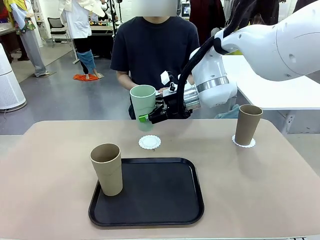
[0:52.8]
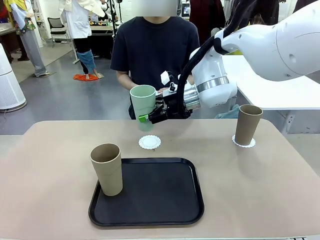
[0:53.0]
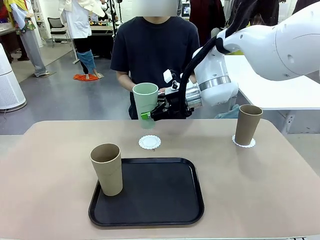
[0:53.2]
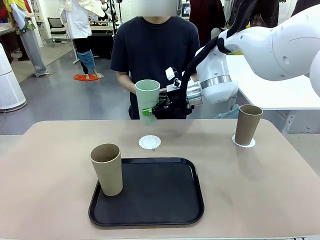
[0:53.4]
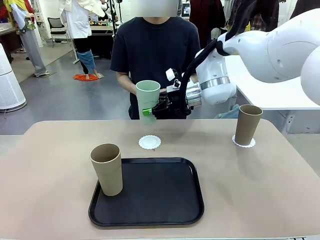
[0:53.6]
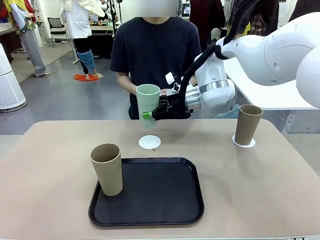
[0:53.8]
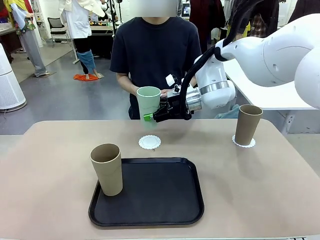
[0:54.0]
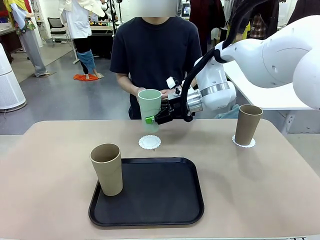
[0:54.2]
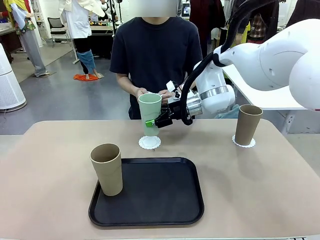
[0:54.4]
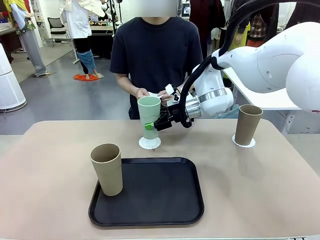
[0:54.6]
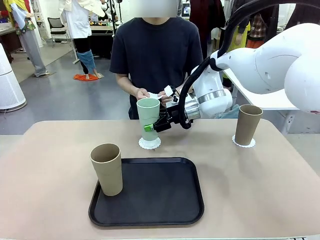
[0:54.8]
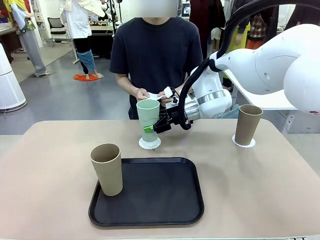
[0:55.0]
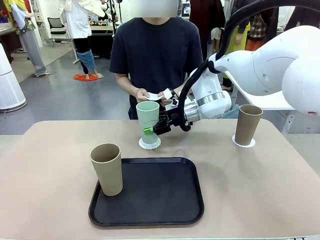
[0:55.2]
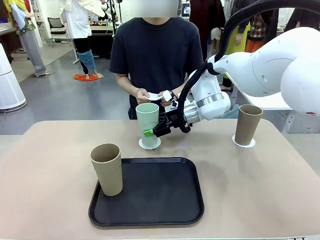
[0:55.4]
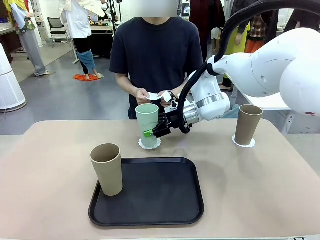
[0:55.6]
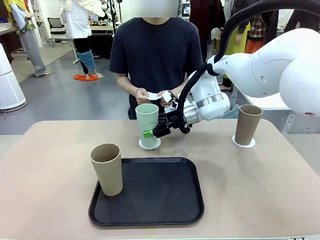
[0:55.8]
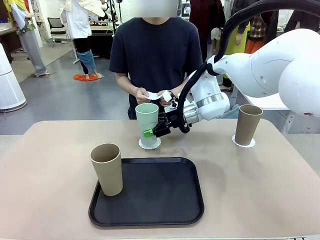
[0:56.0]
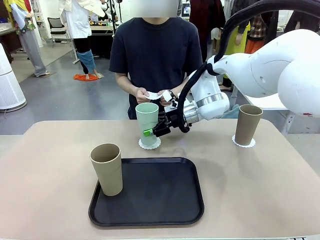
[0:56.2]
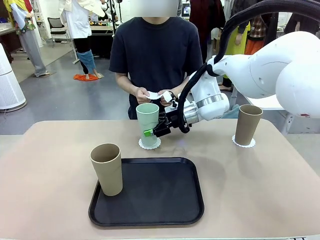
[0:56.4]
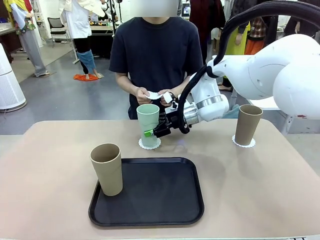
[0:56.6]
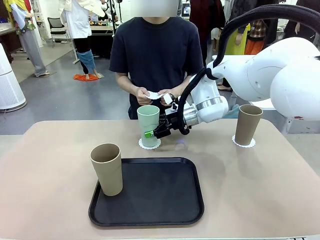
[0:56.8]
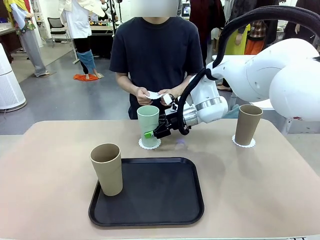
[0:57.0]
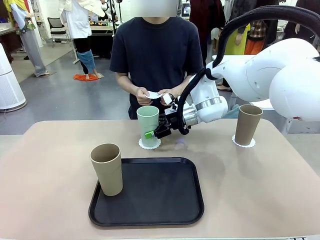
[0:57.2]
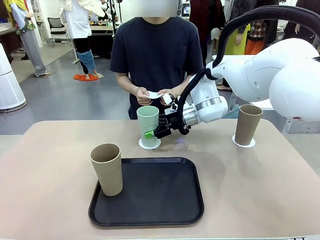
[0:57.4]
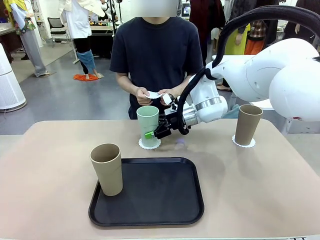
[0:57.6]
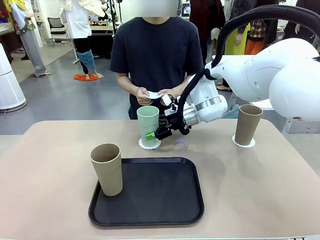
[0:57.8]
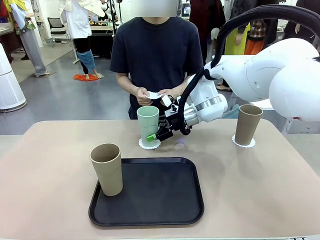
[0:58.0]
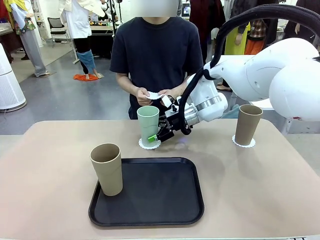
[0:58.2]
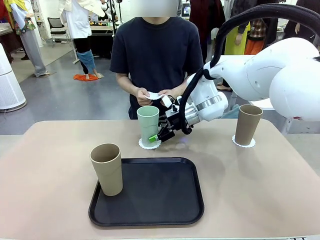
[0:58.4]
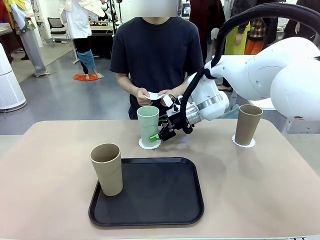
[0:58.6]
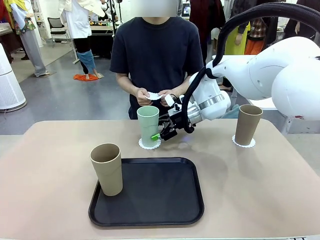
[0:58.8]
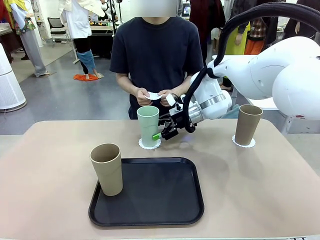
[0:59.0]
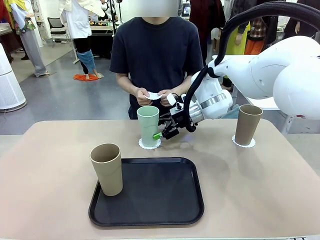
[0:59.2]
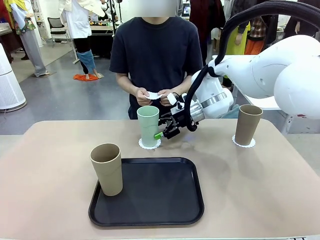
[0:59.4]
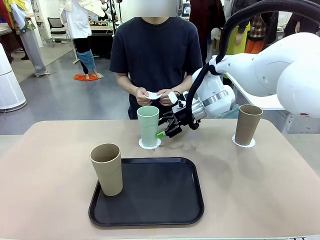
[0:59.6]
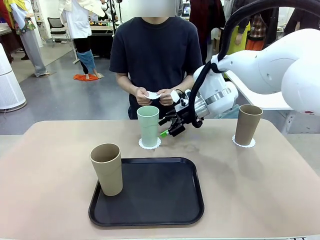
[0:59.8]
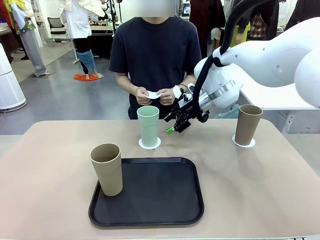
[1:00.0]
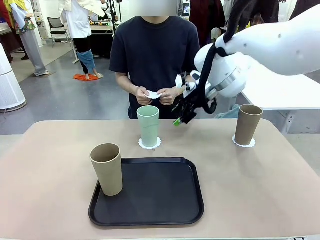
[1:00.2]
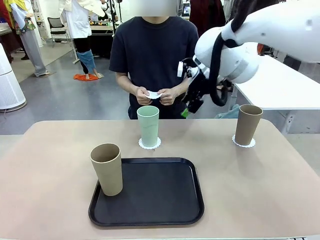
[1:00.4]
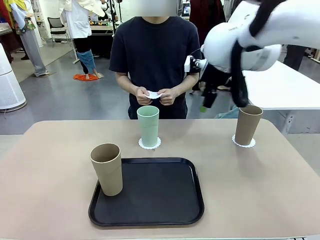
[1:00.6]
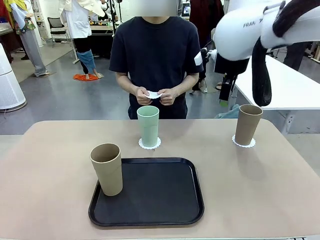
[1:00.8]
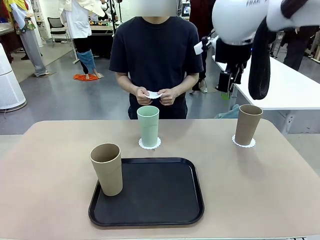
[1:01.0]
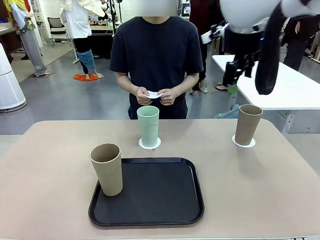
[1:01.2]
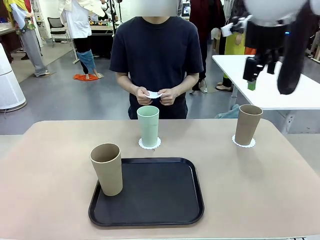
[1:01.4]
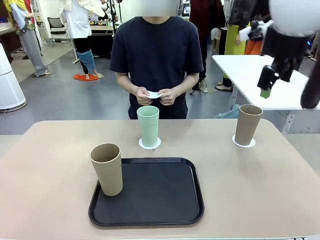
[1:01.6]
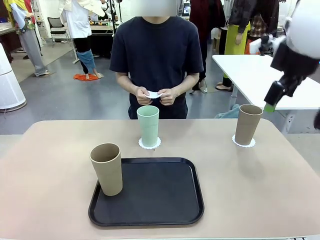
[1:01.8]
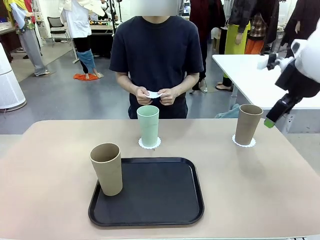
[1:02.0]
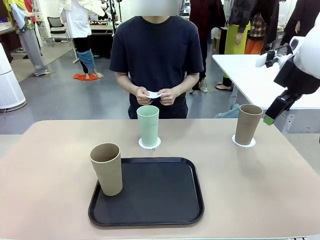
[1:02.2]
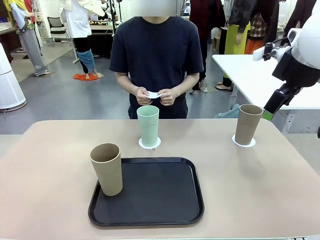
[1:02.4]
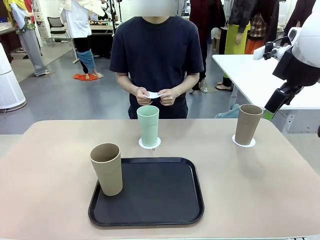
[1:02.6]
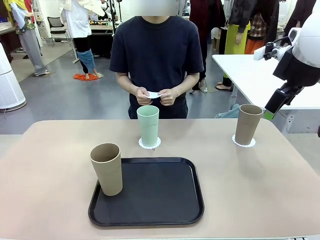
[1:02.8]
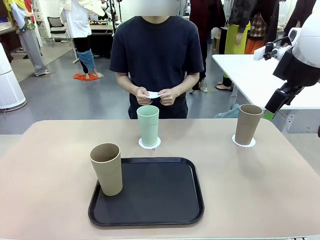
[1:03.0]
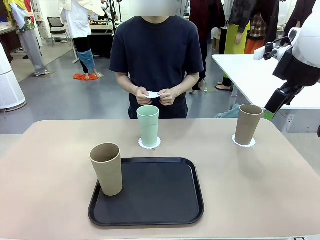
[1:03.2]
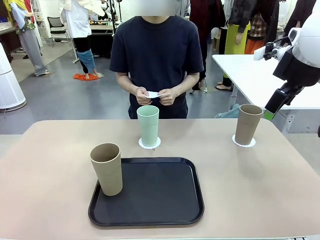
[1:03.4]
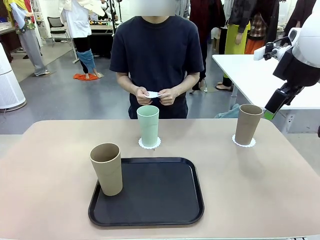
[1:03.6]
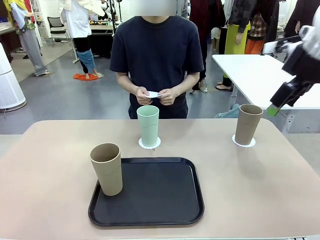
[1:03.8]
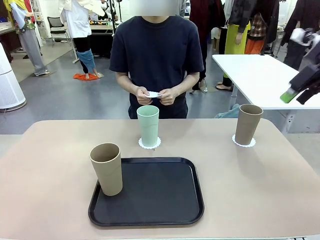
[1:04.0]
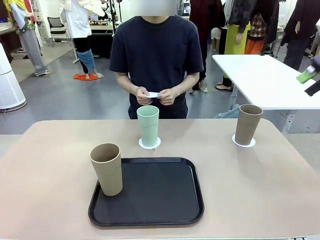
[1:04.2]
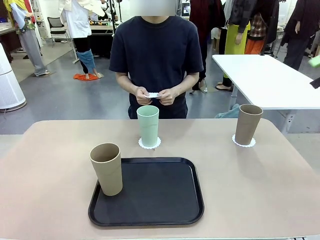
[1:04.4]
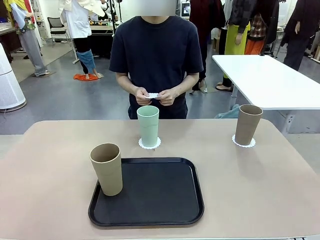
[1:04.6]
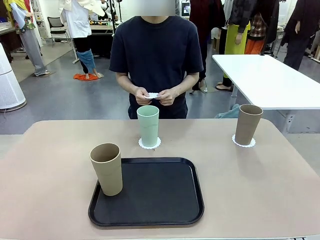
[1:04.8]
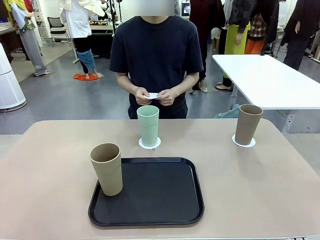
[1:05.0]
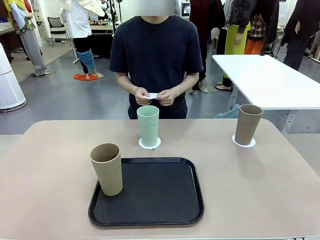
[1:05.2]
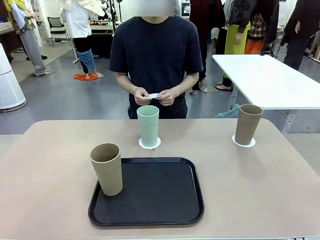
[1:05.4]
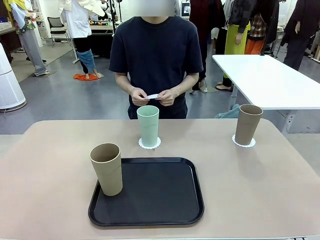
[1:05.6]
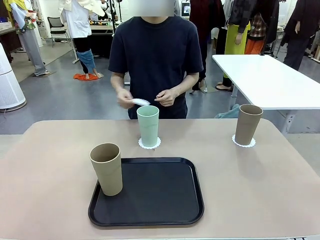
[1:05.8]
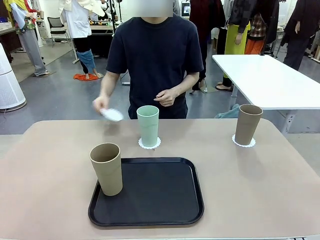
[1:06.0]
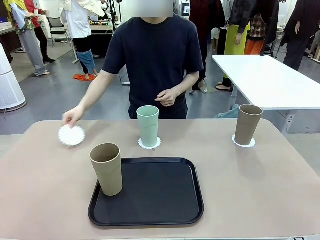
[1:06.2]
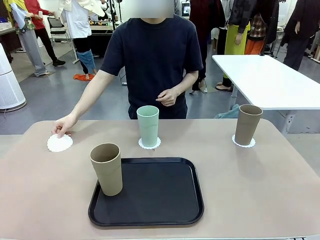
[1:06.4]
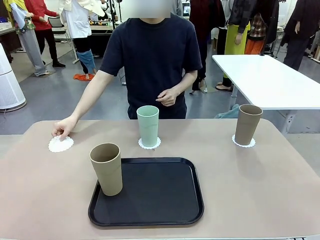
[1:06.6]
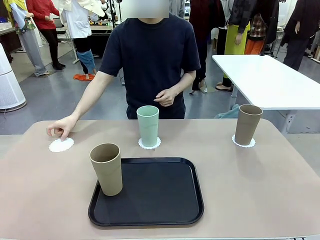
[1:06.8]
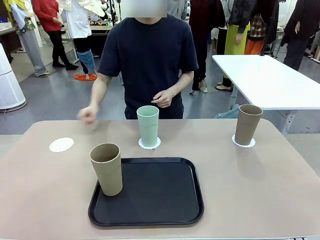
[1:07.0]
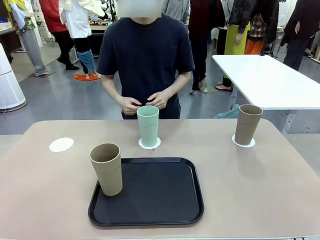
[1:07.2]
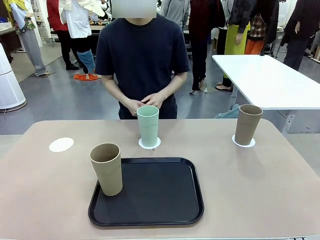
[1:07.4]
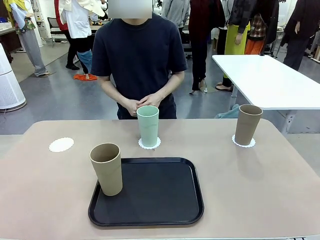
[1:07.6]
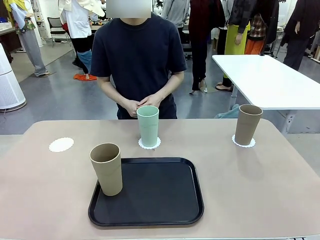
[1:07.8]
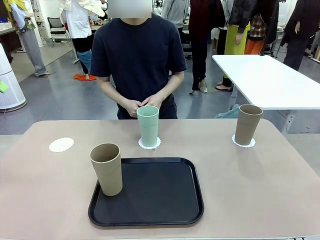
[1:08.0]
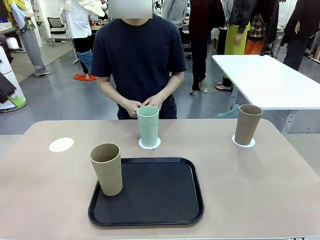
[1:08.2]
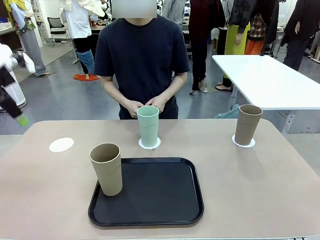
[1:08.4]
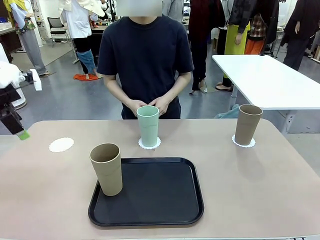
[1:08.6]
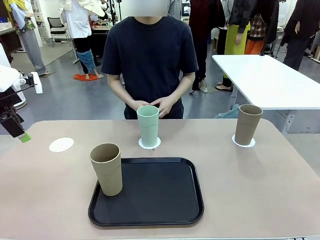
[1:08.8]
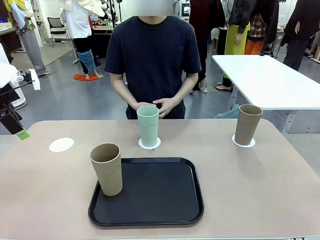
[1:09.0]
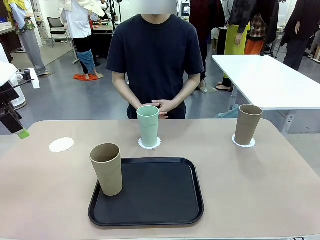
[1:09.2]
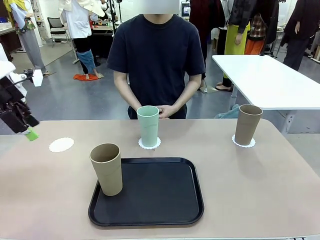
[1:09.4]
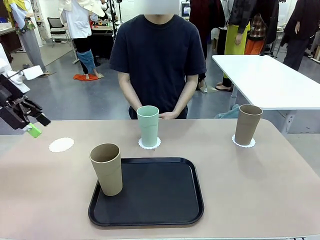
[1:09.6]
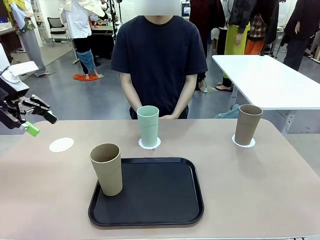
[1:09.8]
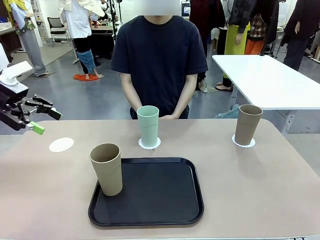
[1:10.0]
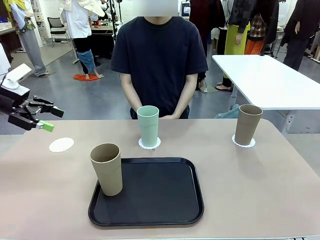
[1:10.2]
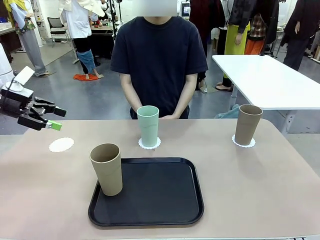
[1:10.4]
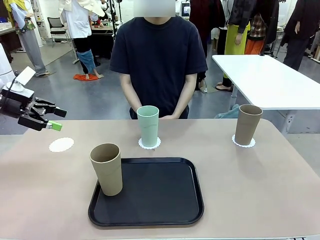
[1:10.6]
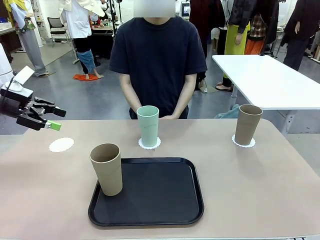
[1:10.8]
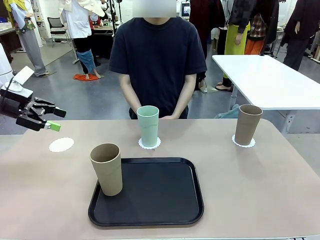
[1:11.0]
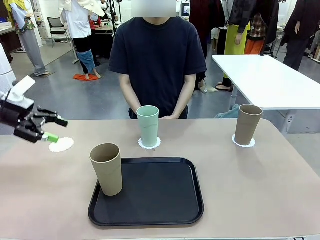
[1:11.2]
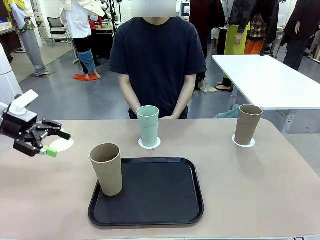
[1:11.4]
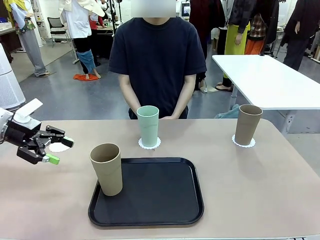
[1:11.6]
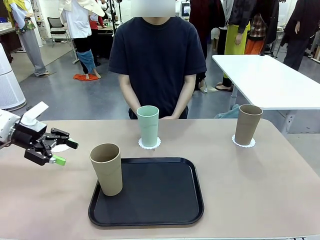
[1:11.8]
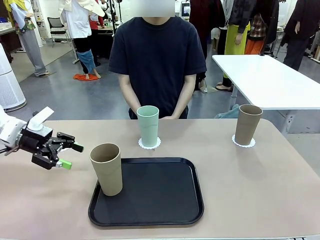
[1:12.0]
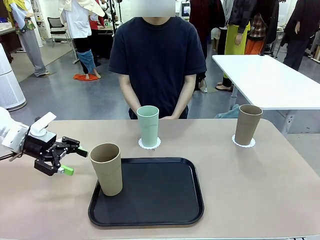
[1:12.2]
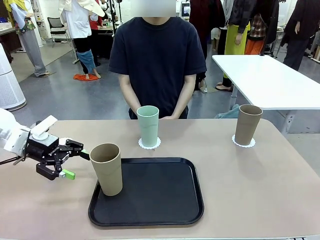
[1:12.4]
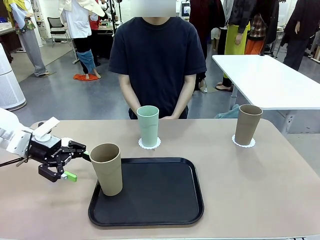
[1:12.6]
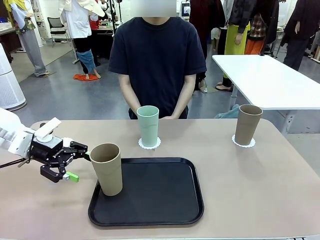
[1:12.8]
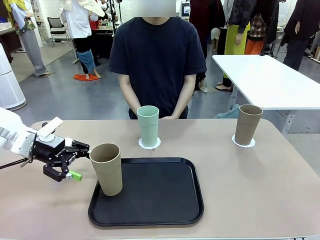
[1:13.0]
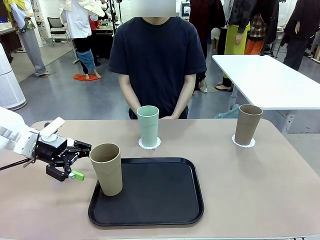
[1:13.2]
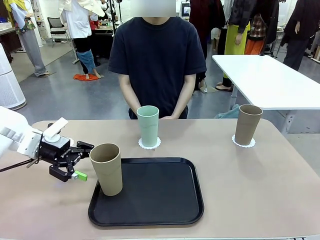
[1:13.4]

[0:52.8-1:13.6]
Task: Place coasters on the table and set cups on them.
Robot: Take one Reusable plastic cup from the Flat Tray and place it on a coaster set by the human.
